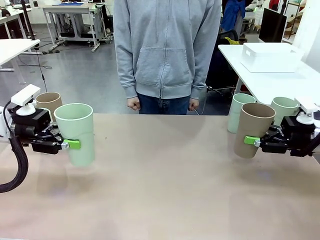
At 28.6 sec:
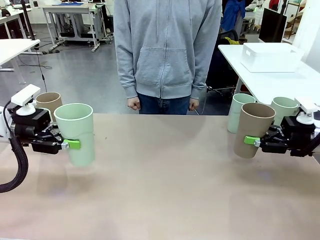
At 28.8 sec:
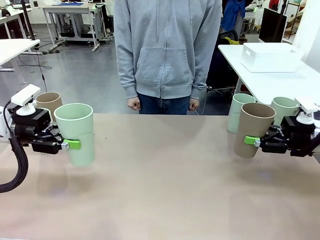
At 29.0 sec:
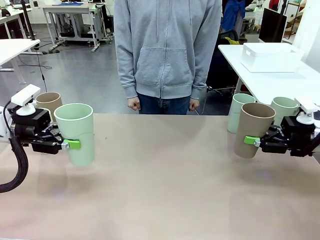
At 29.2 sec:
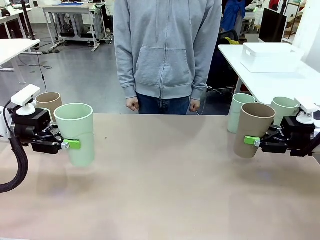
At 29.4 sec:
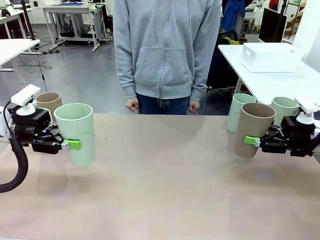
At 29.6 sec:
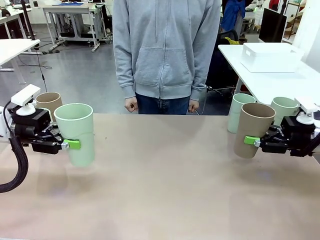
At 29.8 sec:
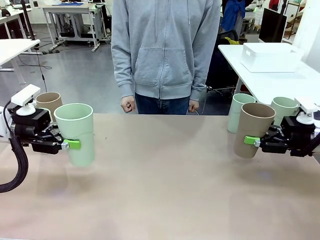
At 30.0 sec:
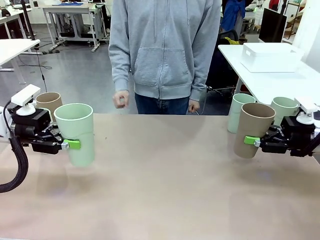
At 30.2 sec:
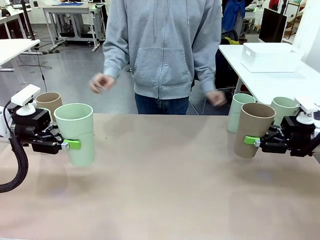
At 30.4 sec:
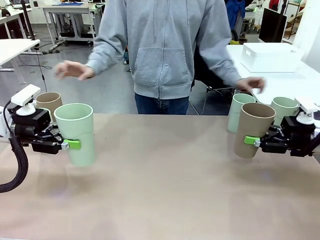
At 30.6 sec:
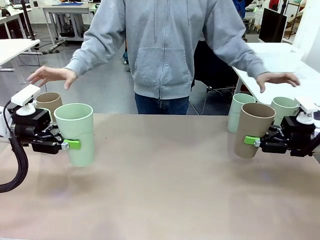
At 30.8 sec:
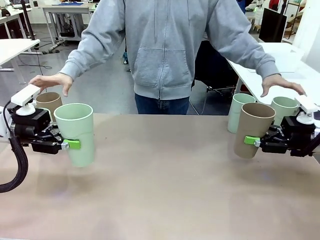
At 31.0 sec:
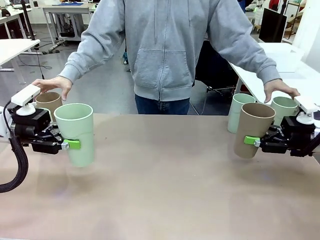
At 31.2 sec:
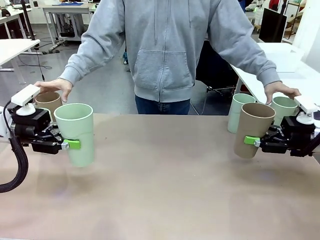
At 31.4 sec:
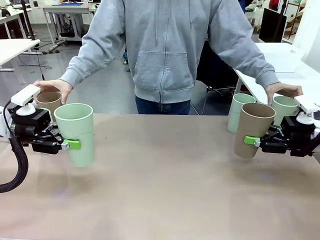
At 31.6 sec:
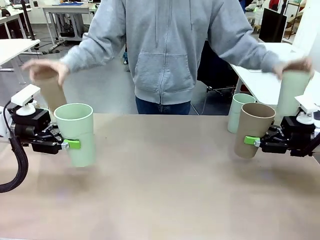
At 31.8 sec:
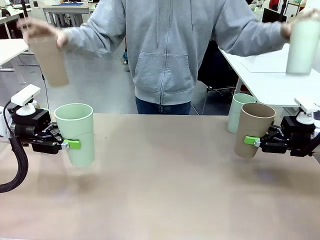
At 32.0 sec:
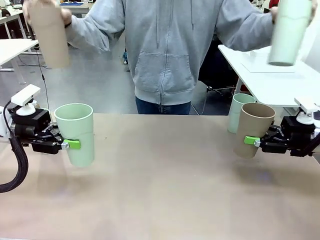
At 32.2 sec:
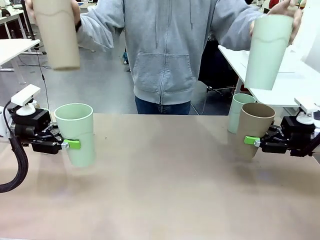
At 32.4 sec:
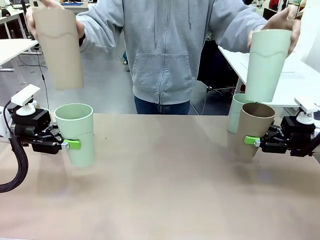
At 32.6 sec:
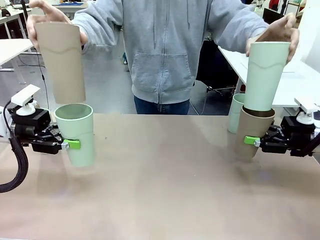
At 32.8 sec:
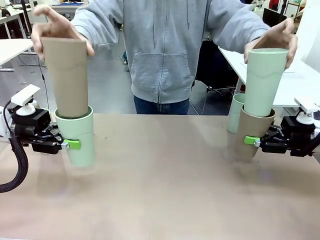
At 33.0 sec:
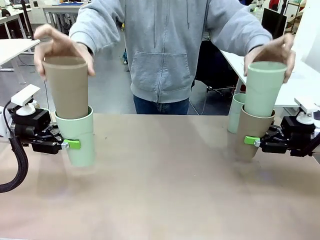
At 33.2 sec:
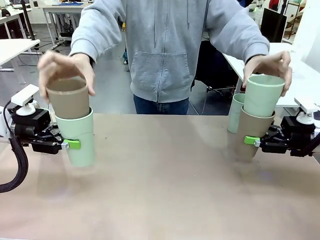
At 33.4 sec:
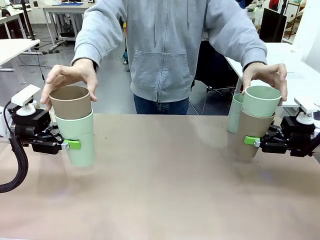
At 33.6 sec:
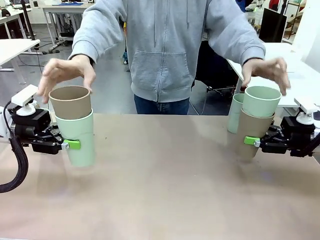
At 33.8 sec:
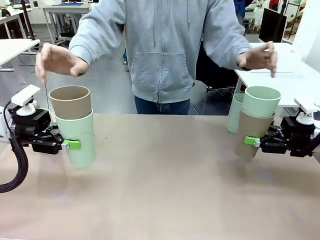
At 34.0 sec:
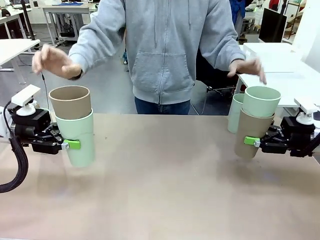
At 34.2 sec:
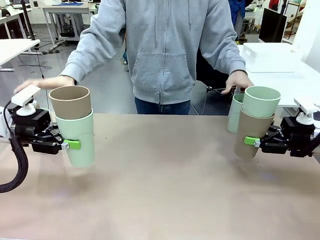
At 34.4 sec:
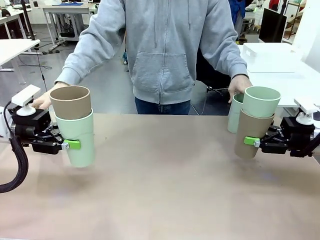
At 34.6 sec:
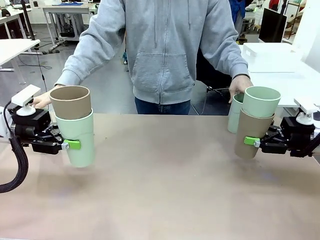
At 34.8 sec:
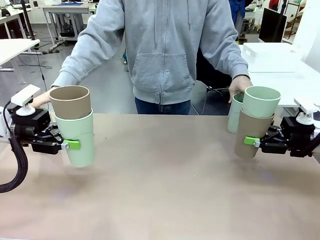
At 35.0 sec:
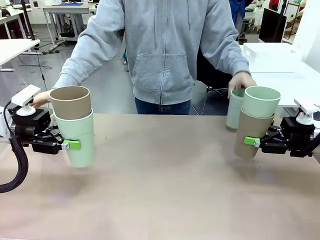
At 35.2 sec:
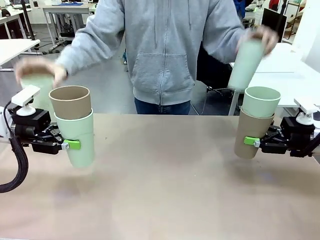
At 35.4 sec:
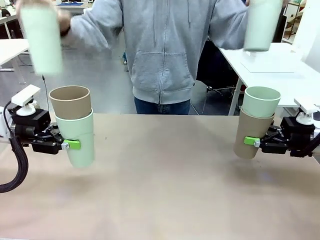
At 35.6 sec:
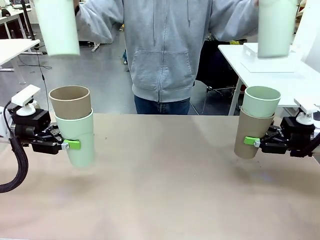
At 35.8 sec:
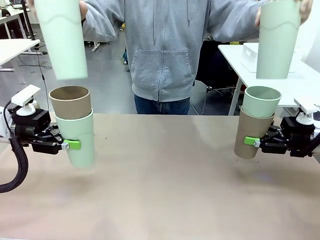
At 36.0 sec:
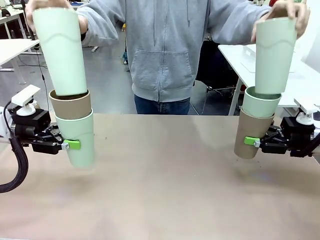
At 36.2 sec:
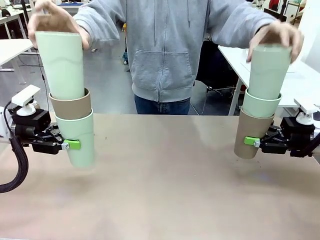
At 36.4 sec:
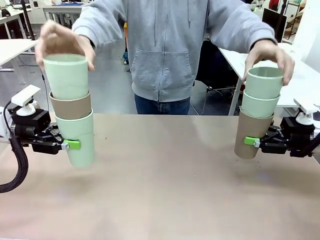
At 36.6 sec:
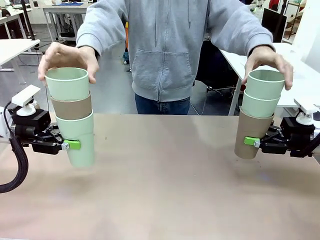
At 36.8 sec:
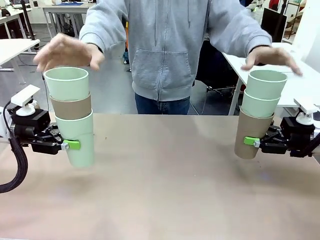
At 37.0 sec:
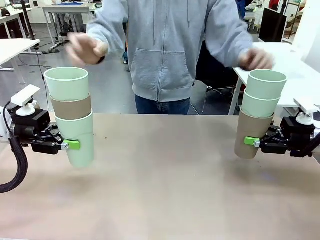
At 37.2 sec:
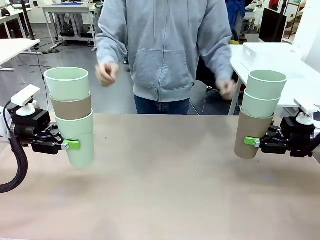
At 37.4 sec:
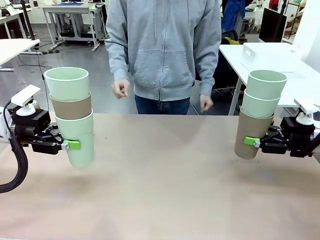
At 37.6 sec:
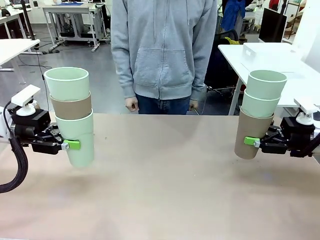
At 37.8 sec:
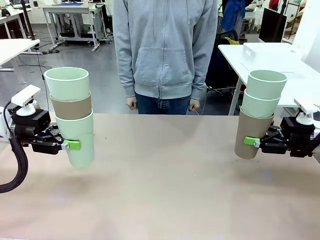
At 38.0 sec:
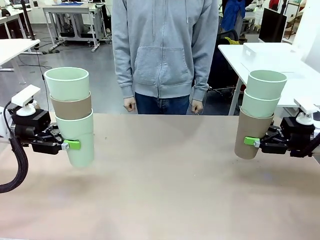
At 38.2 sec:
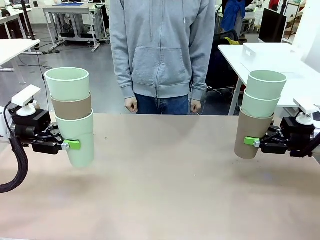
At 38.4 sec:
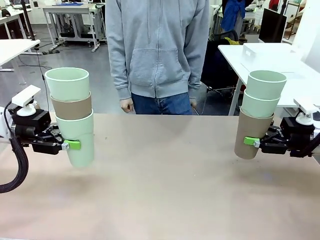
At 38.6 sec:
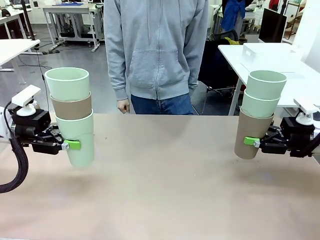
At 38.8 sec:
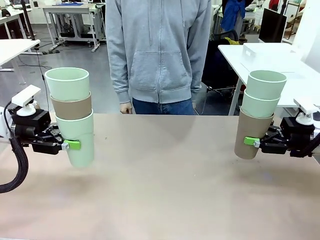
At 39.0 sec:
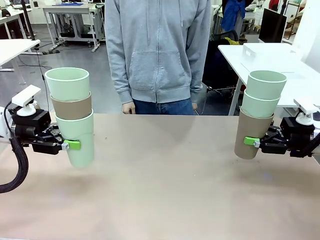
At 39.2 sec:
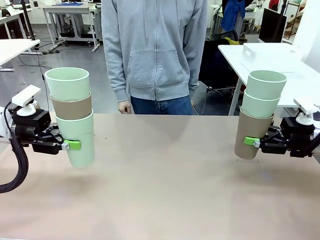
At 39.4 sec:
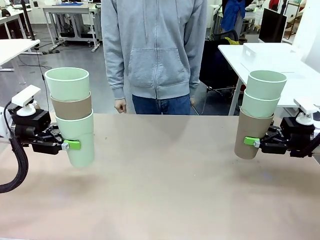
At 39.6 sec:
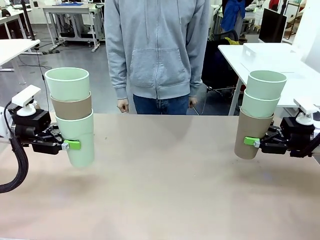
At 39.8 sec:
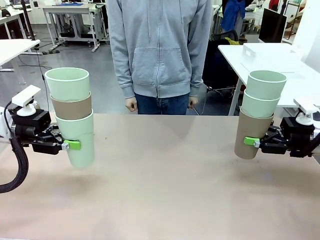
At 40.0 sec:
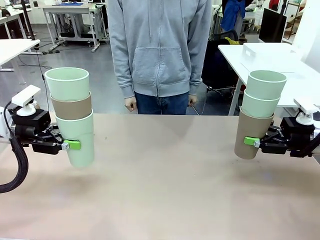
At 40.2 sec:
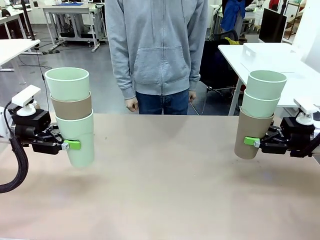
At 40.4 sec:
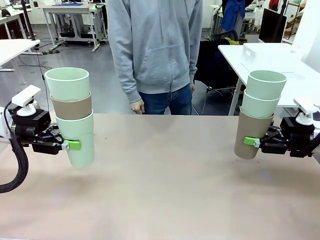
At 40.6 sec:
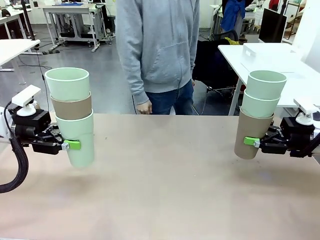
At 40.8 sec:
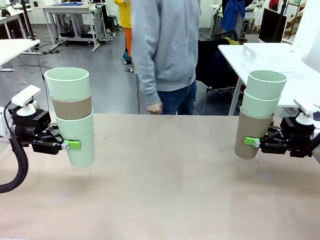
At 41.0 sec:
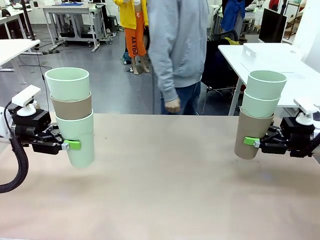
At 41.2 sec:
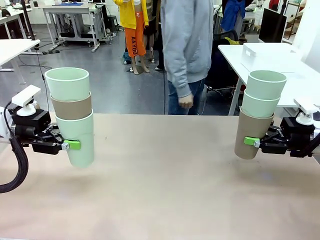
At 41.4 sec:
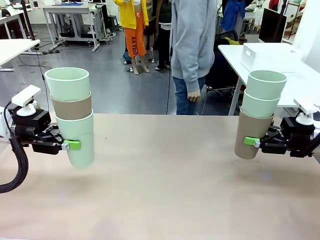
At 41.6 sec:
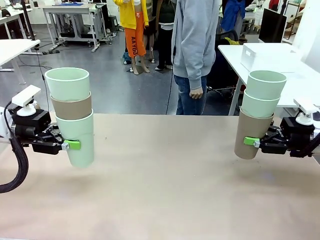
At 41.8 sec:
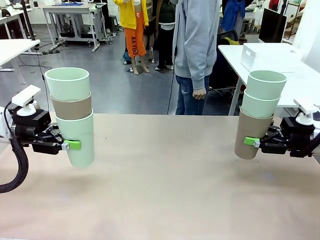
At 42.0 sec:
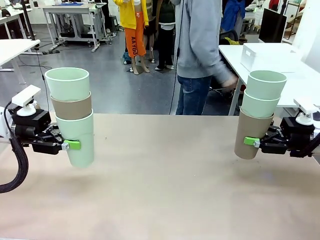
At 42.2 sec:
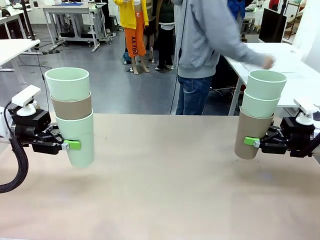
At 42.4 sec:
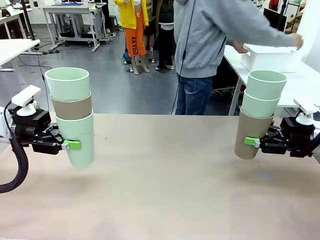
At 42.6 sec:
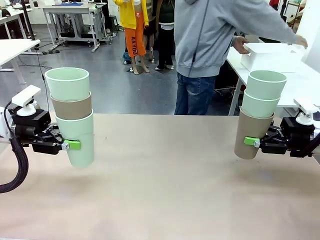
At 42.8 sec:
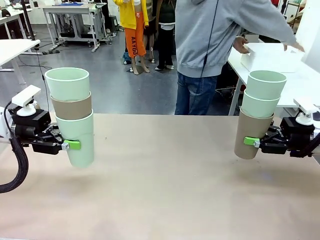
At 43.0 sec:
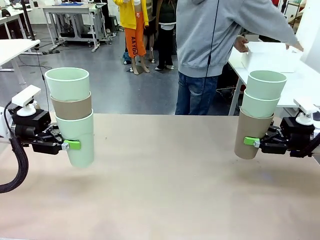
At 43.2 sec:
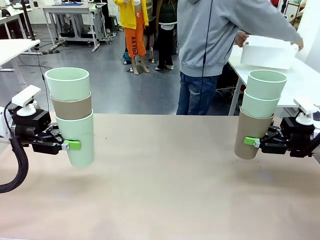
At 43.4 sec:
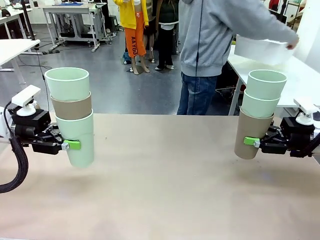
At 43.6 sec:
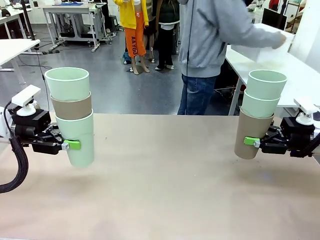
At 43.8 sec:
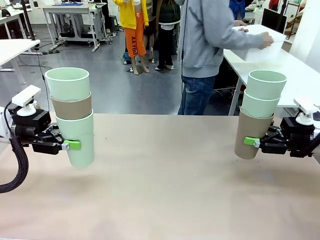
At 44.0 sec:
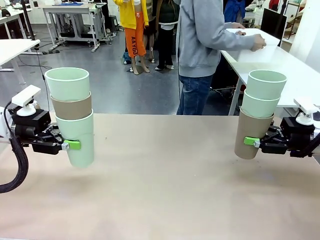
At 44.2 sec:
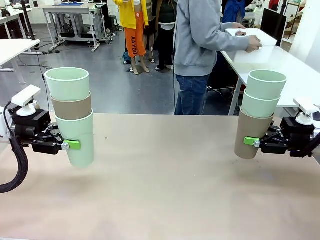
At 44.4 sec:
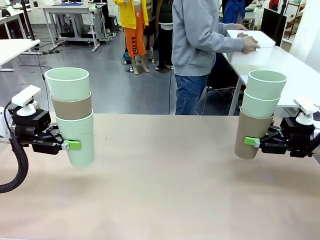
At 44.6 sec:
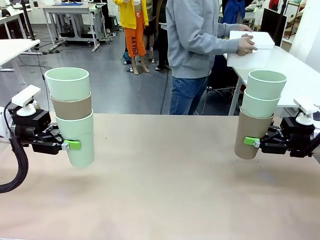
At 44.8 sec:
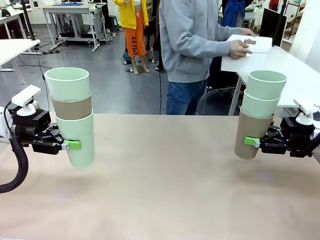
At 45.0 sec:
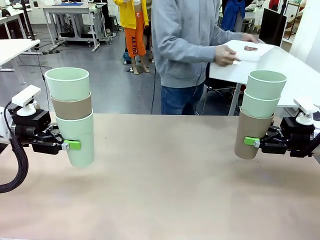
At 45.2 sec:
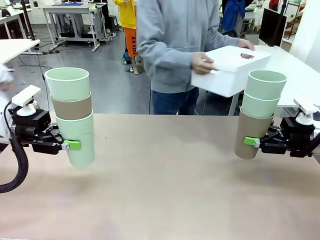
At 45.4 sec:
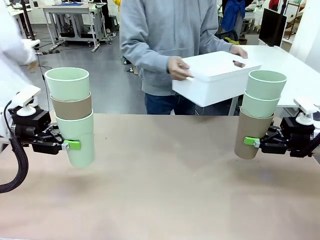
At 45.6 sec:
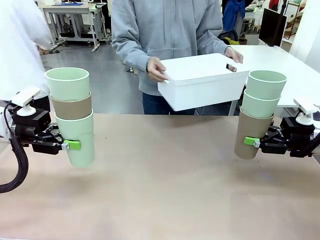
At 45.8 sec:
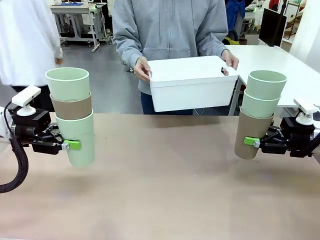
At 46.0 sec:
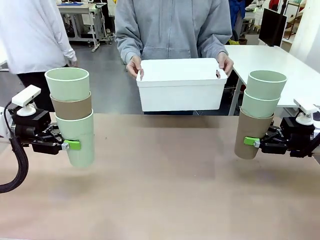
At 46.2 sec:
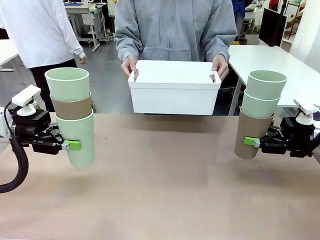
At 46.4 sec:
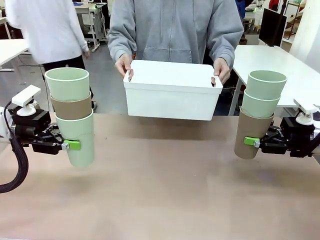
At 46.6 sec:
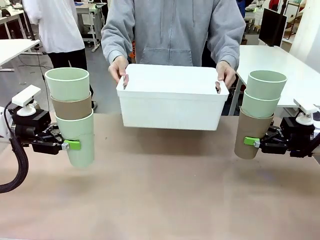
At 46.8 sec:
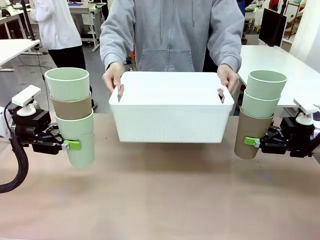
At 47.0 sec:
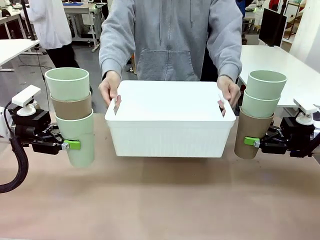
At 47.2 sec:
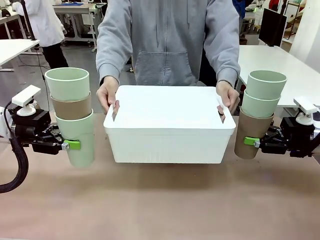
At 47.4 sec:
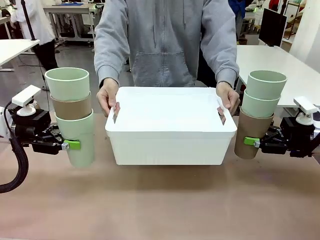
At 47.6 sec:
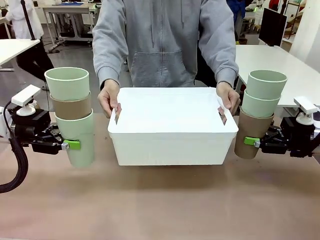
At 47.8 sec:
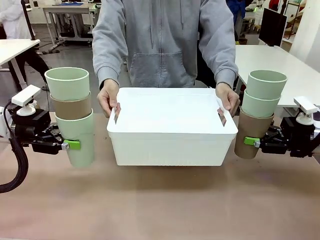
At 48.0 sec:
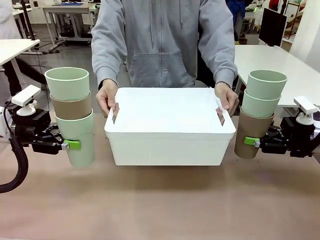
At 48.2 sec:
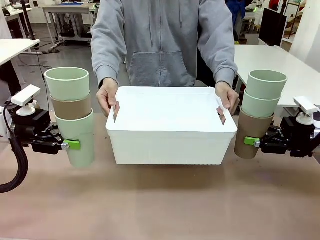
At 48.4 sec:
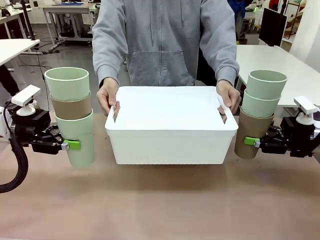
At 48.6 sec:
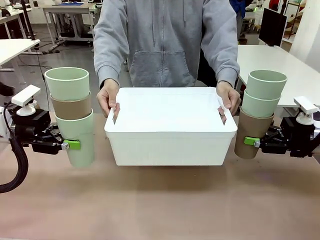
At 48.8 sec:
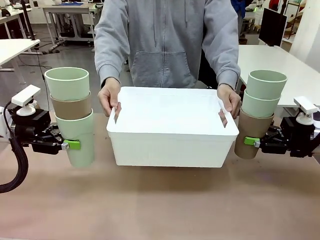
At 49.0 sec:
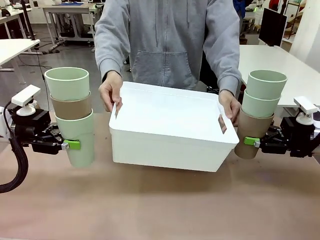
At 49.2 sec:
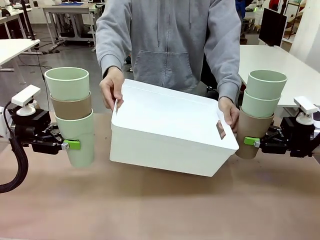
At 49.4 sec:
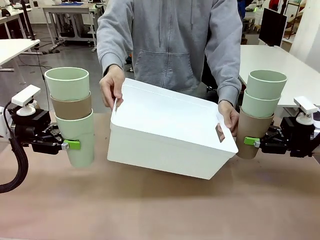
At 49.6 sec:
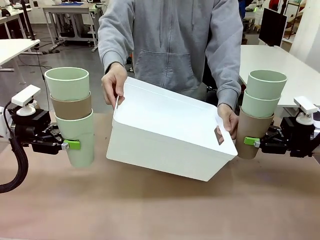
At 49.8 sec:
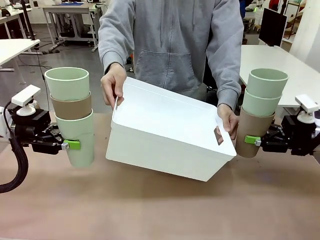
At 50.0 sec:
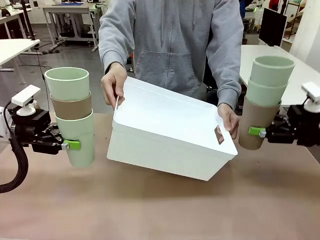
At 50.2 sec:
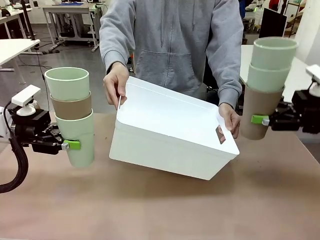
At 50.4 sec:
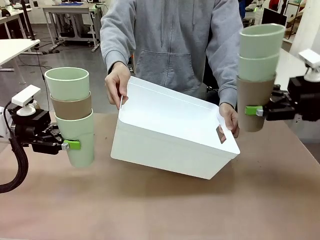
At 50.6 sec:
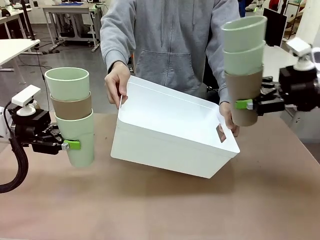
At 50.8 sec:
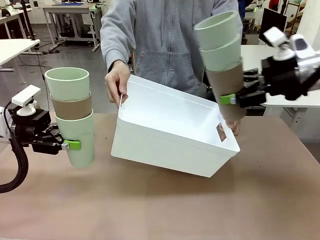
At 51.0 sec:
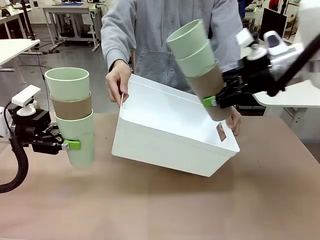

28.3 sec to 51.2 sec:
Task: Stack the cups and store them in the basket.
Robot: Place the stack of Reusable plastic cups into the Pantry Basket.
Person: Pick up the basket from the Human Table, bring it to the front of the robot, and present it.
